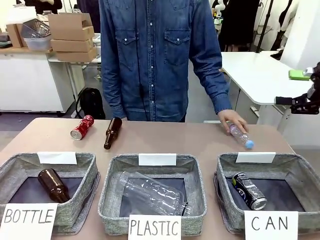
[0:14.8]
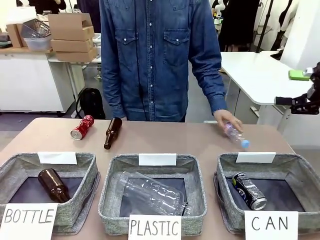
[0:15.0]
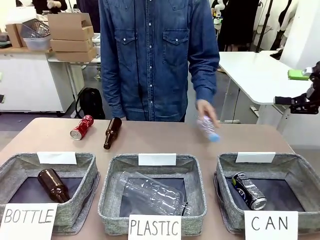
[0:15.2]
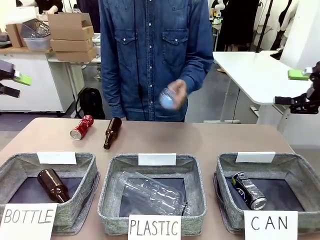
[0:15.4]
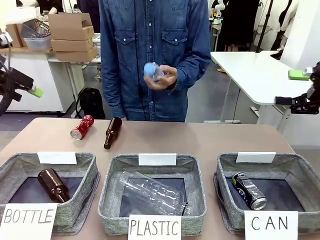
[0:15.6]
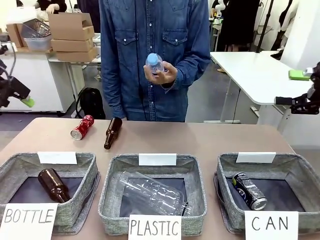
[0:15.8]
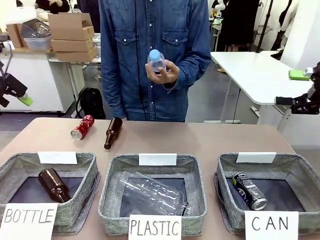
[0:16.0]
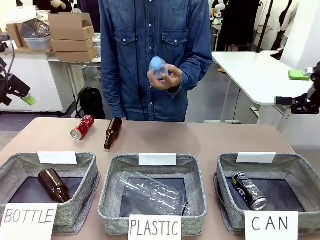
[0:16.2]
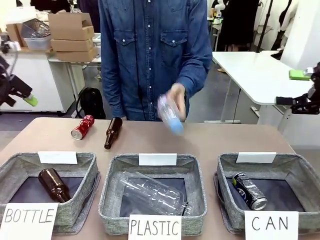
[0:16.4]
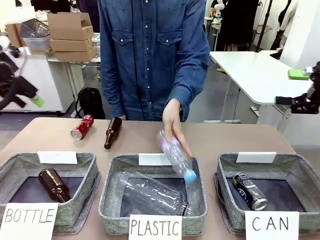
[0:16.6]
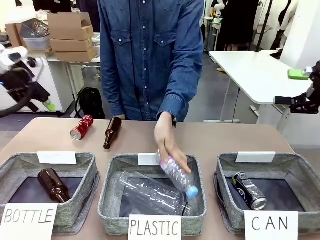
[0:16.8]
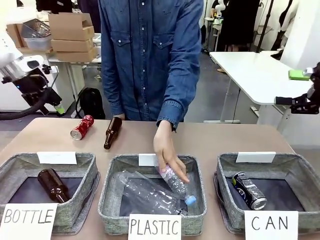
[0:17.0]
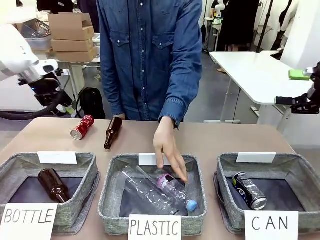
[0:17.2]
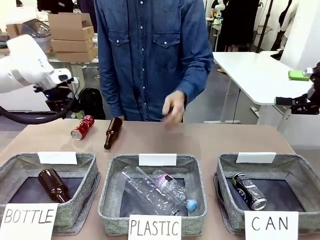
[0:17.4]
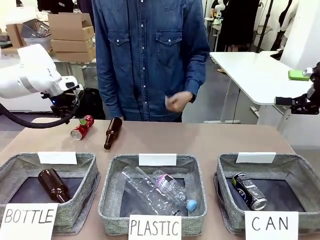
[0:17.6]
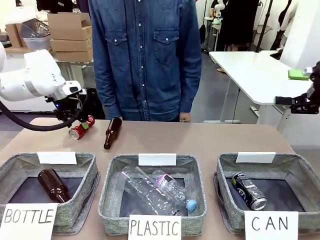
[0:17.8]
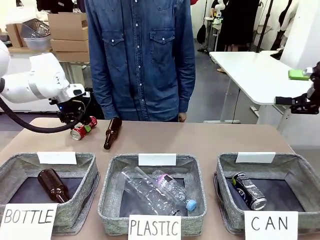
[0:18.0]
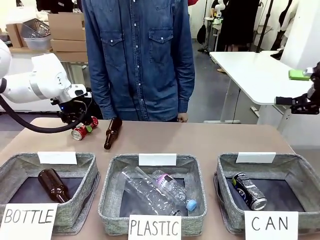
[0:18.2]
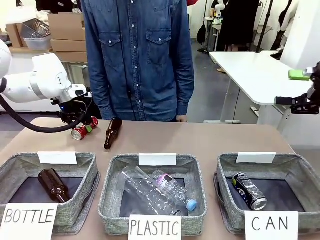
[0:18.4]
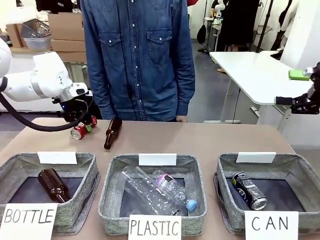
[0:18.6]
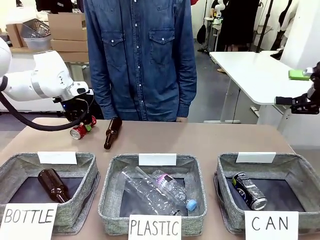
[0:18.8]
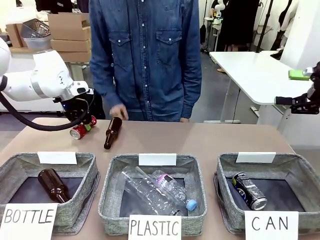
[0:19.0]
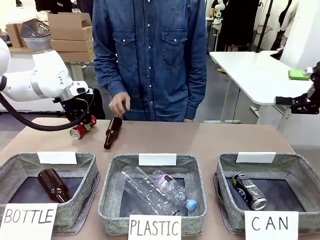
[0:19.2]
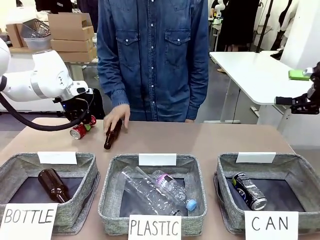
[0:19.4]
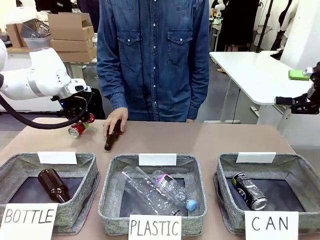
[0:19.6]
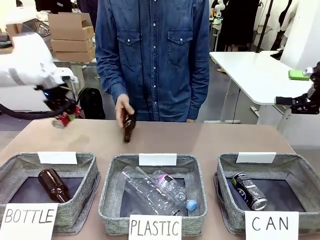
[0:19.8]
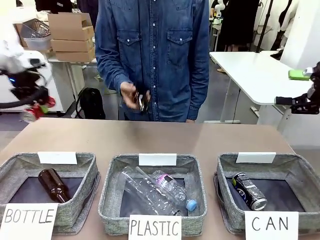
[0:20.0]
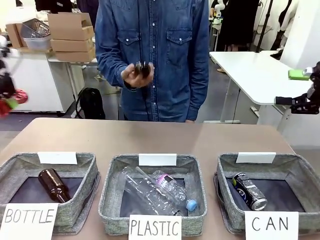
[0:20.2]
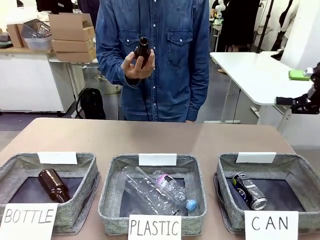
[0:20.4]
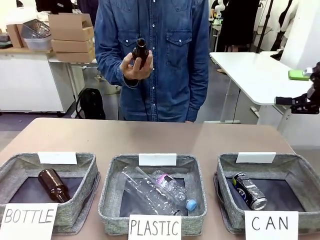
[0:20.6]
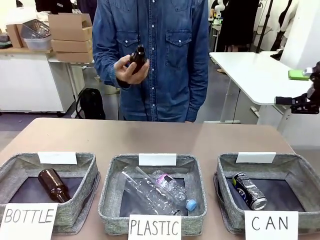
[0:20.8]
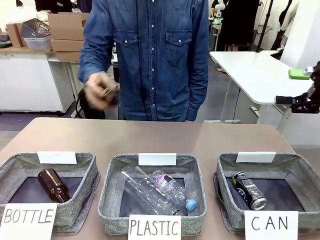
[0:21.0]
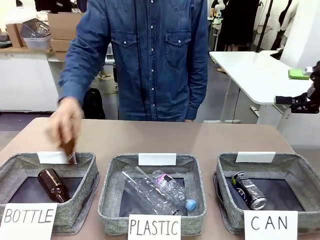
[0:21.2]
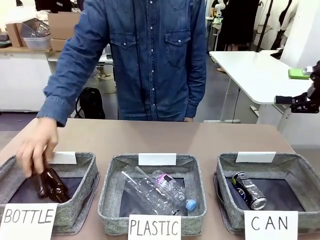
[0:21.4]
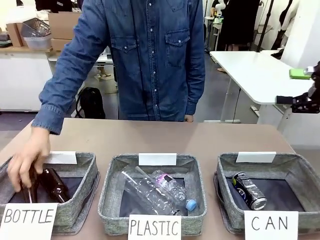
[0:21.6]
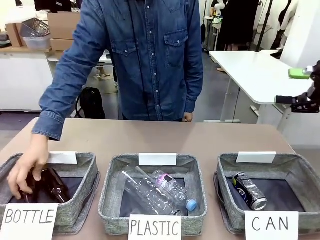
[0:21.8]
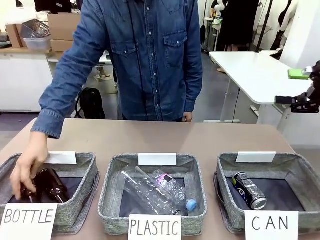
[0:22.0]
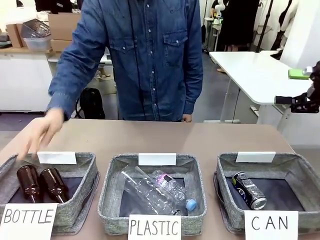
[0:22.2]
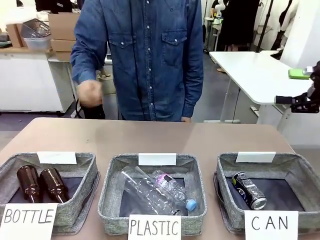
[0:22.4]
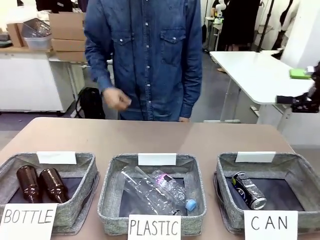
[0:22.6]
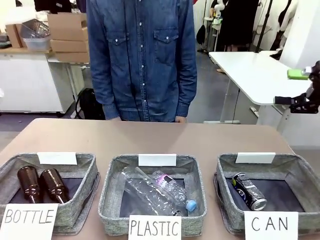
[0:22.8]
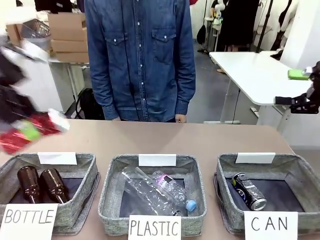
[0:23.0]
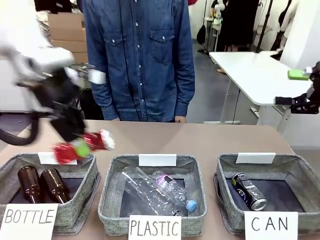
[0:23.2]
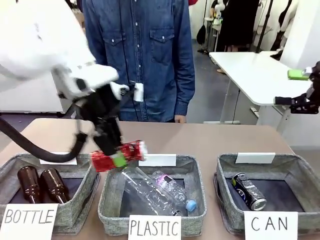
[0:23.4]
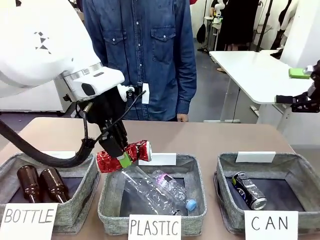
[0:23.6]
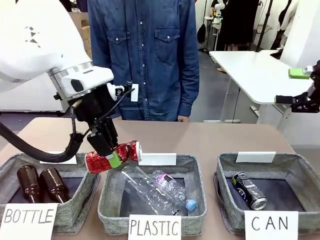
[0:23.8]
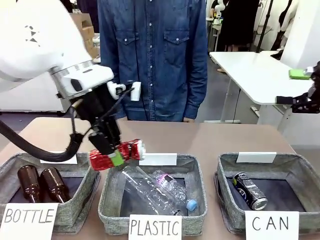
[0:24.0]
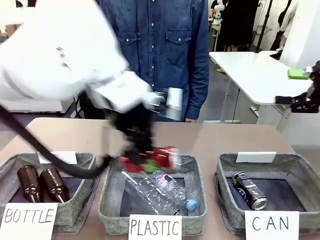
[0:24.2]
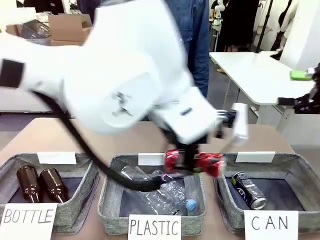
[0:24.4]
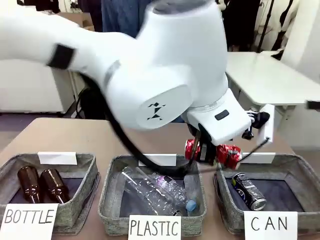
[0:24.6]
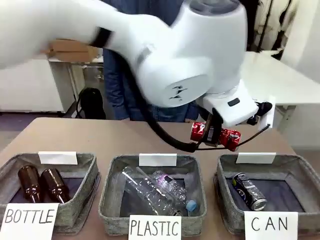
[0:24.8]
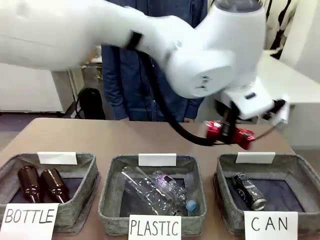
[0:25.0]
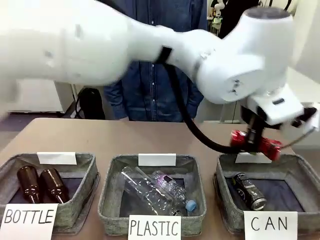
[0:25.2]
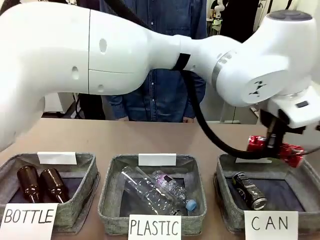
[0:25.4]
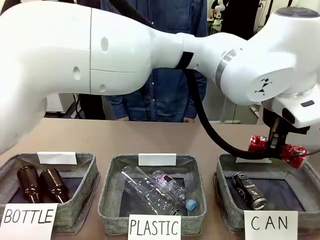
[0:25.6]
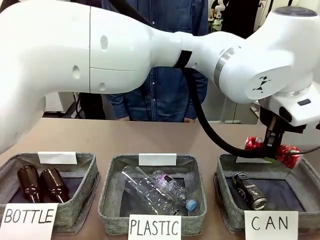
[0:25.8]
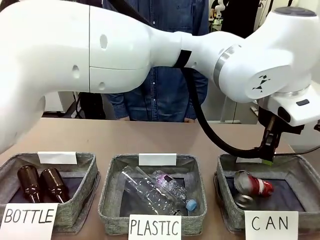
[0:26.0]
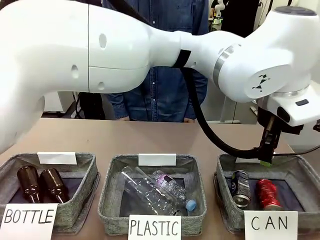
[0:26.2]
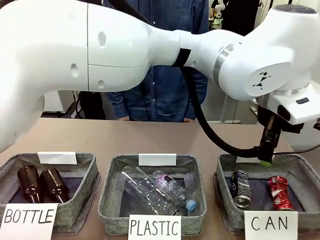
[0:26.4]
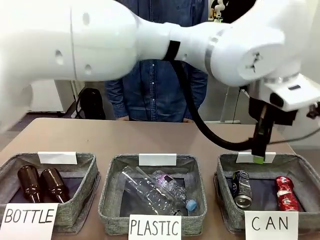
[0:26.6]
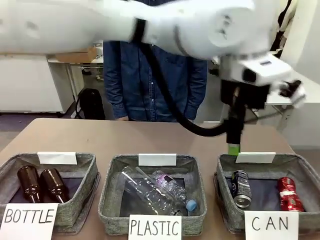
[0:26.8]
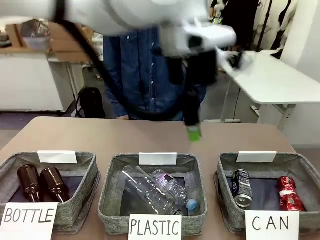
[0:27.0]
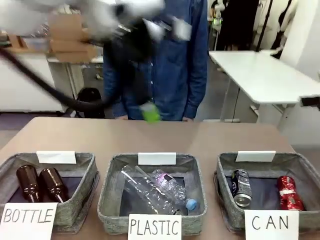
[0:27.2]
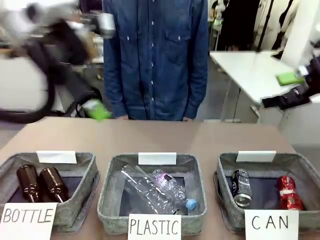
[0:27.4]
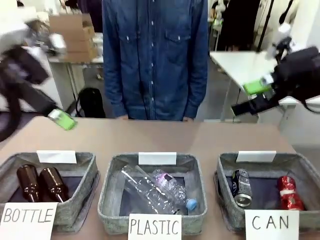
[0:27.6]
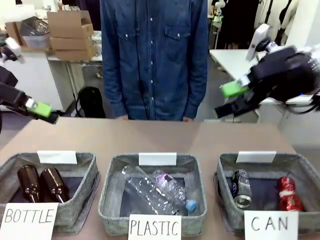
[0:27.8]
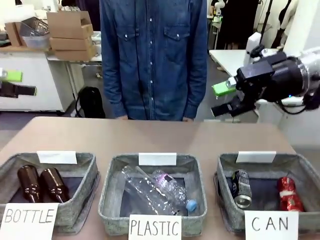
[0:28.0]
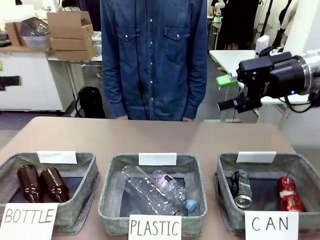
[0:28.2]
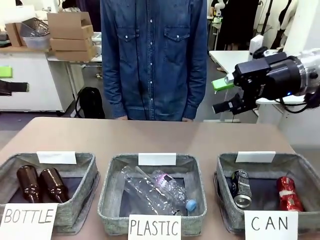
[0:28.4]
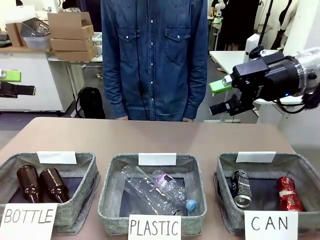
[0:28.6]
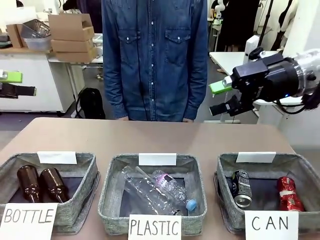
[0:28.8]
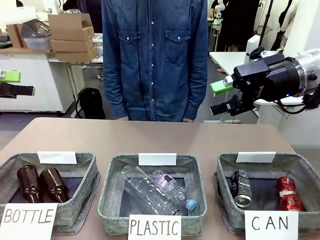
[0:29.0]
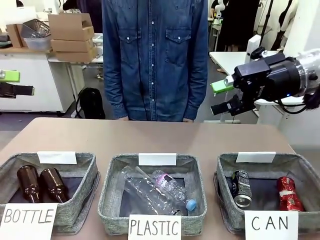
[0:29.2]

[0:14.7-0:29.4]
Task: Sort the can waste into the basket.
Robot: Pick up the can waste from the table and place it in the right Fabric basket.
